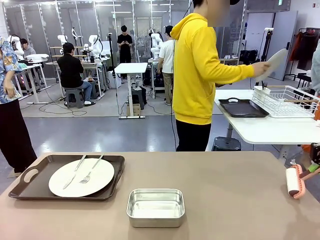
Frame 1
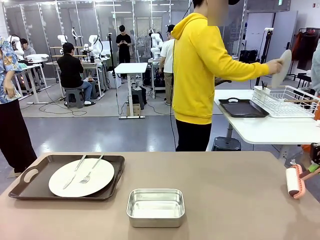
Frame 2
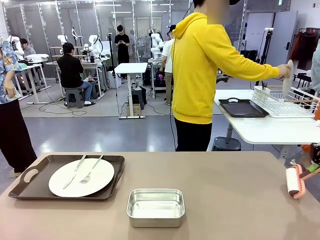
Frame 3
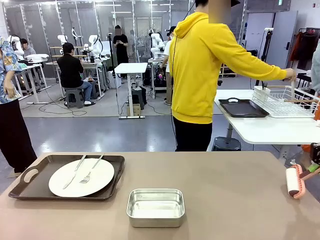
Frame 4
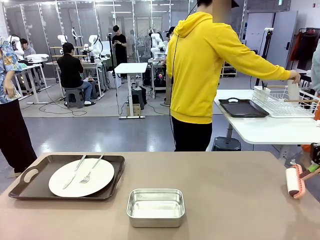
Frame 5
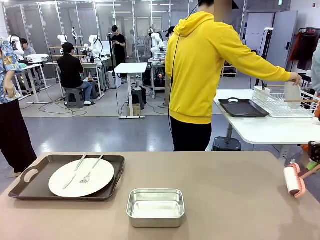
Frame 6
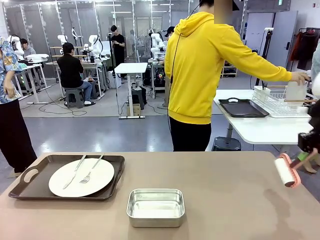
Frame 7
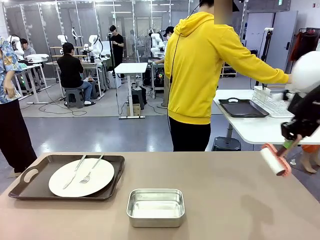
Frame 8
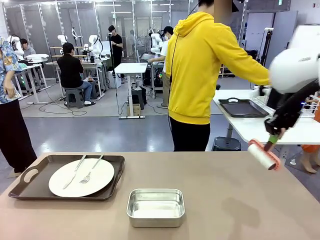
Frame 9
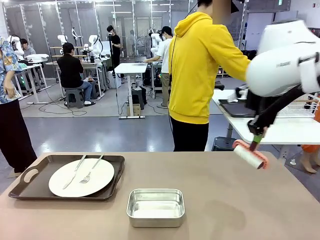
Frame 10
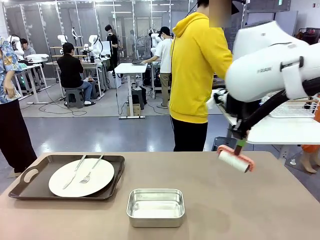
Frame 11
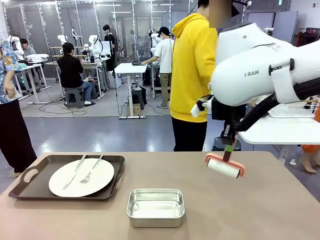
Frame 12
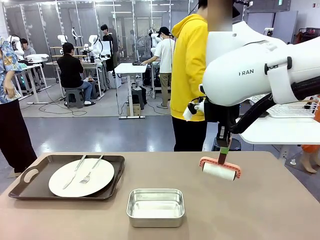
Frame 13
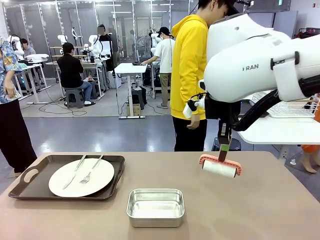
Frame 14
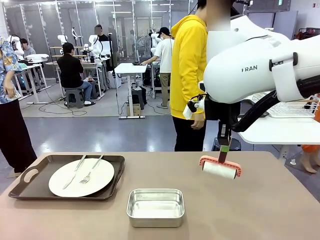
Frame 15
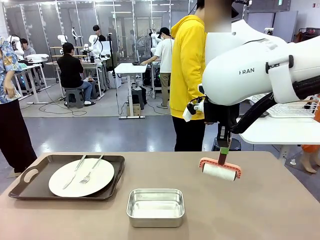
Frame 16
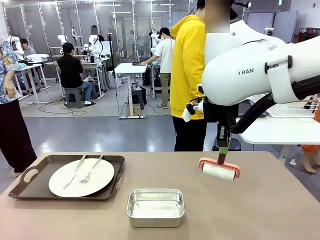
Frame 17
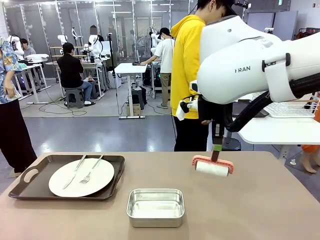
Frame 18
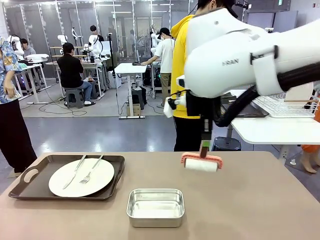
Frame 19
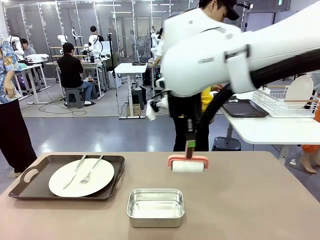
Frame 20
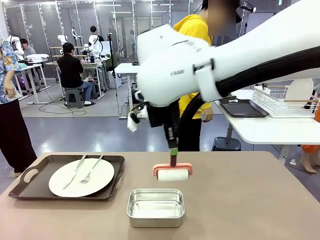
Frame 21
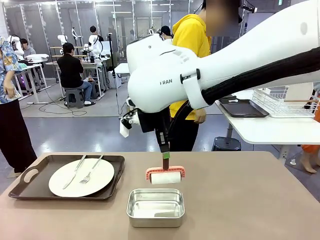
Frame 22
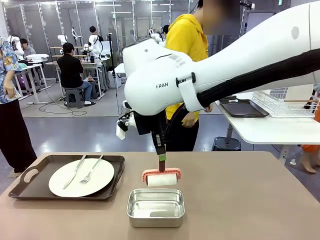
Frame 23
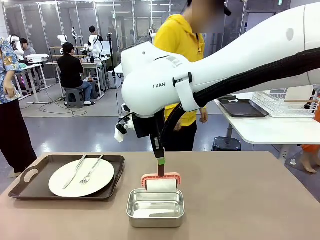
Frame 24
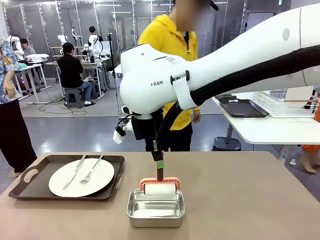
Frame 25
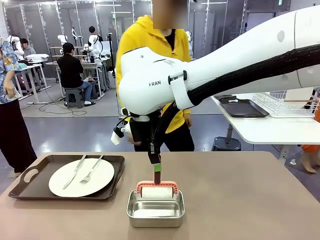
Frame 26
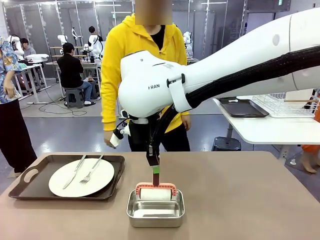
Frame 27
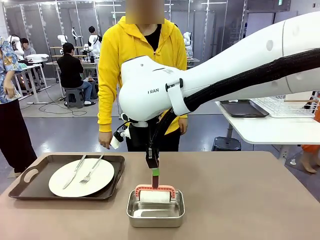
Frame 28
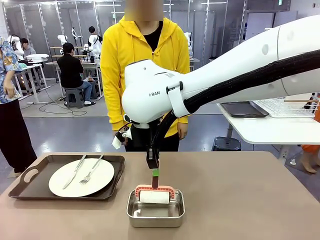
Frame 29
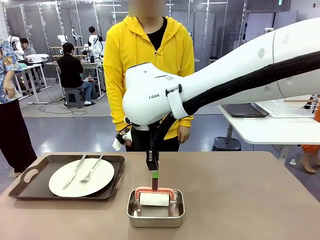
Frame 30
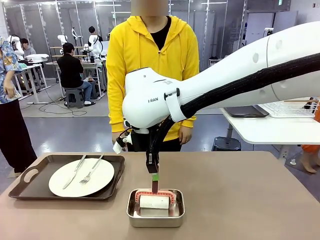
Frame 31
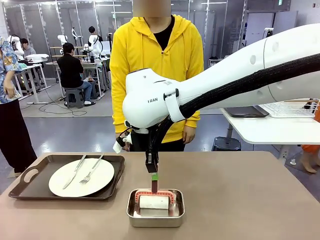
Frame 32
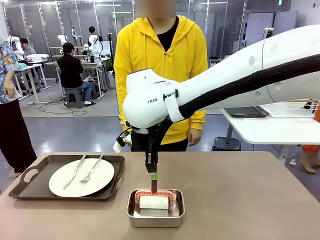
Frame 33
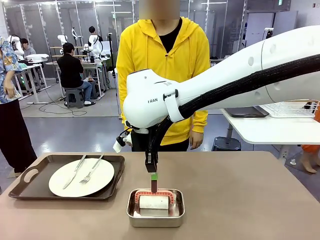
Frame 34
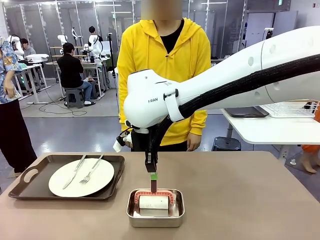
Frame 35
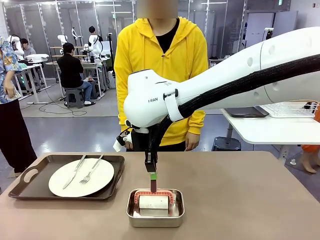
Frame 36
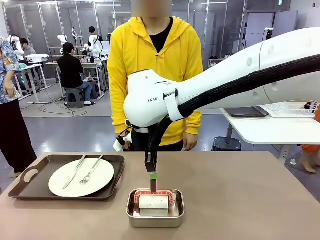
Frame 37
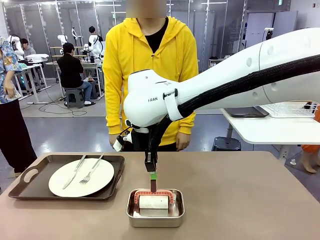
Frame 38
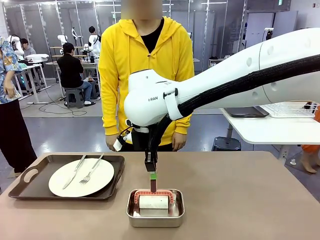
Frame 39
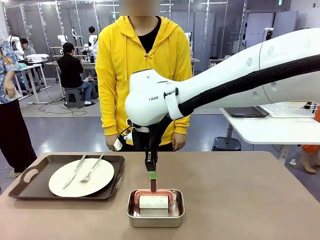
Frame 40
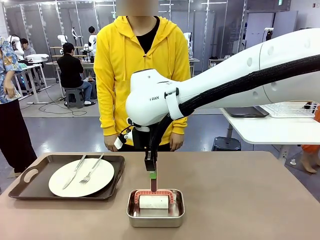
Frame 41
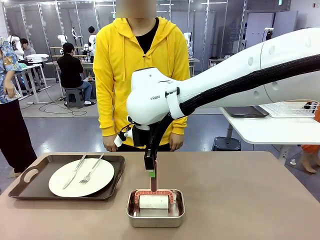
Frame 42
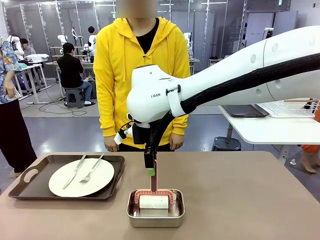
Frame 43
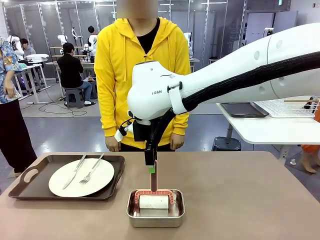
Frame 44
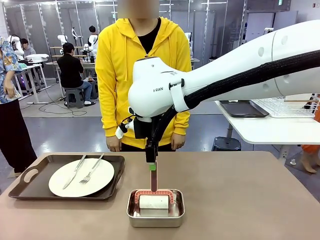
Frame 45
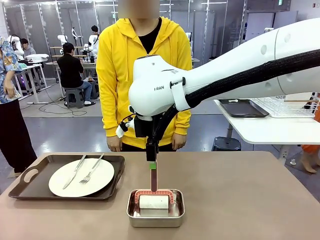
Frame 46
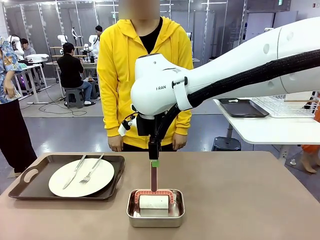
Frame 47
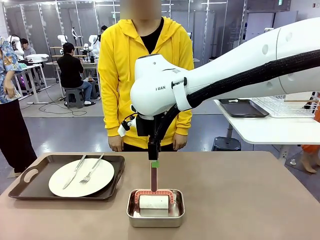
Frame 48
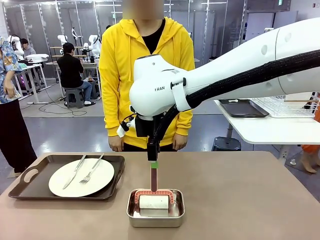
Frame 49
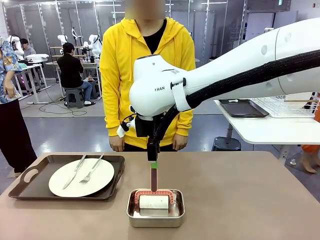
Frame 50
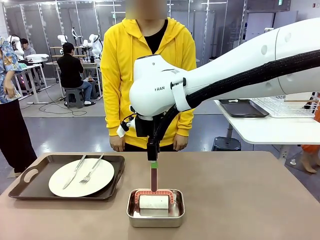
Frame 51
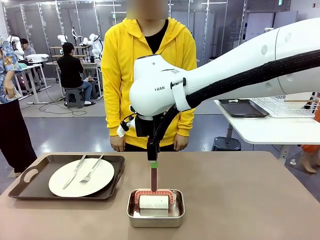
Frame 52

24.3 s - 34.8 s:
Robot: Place the Lint Roller back on top of the Airtight Container.
